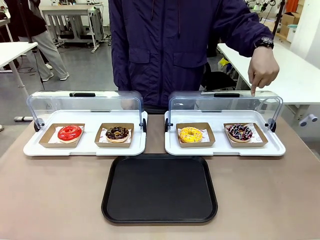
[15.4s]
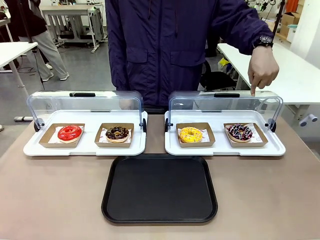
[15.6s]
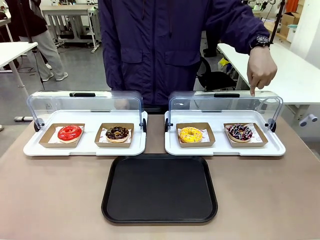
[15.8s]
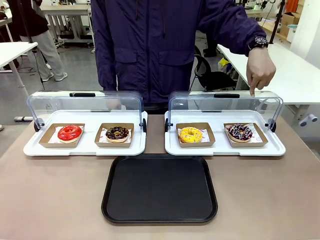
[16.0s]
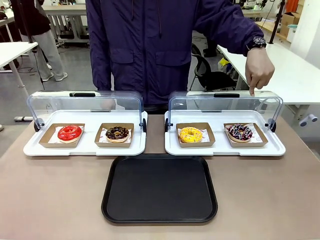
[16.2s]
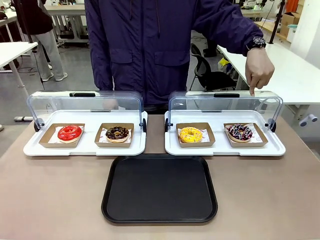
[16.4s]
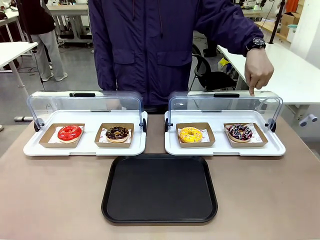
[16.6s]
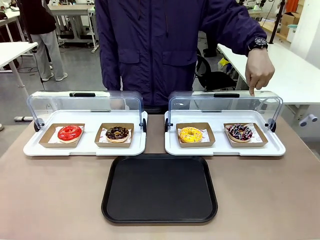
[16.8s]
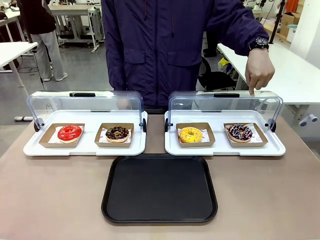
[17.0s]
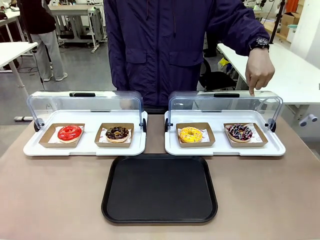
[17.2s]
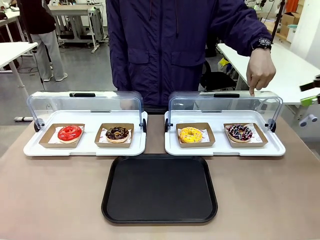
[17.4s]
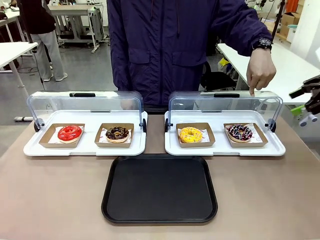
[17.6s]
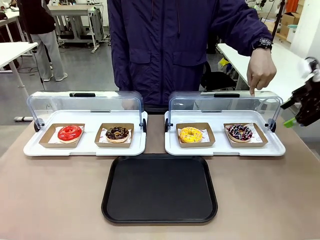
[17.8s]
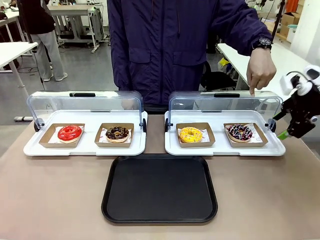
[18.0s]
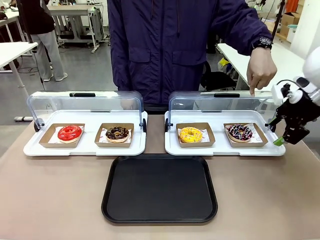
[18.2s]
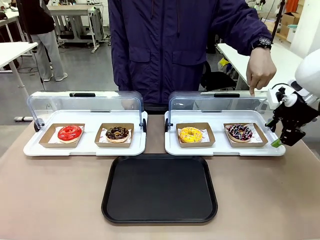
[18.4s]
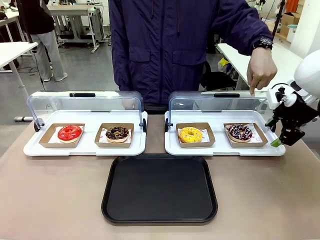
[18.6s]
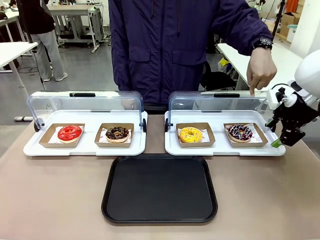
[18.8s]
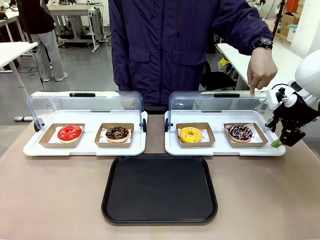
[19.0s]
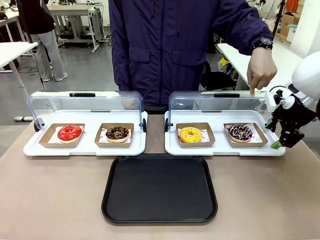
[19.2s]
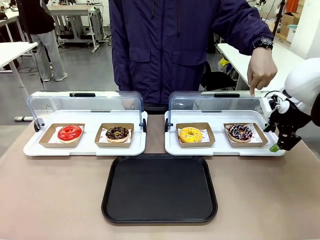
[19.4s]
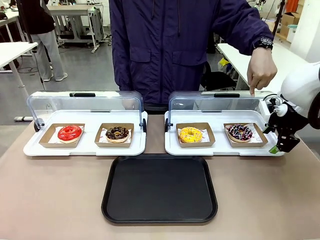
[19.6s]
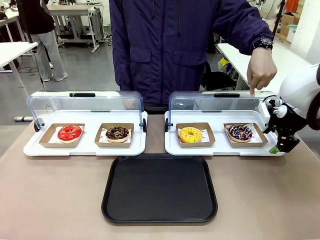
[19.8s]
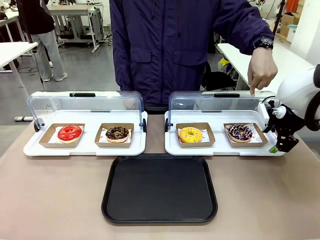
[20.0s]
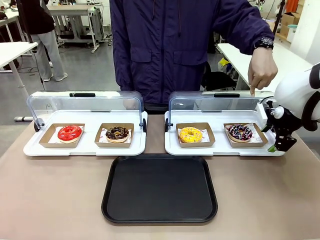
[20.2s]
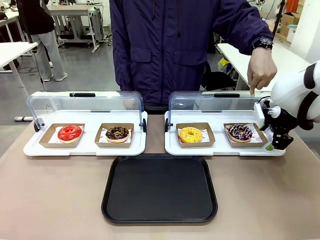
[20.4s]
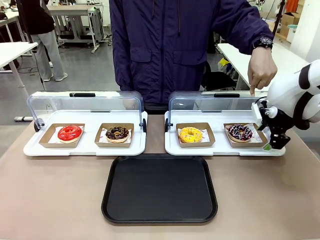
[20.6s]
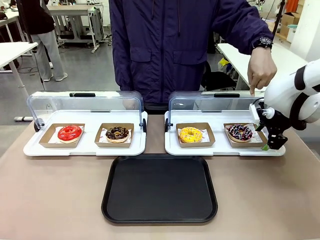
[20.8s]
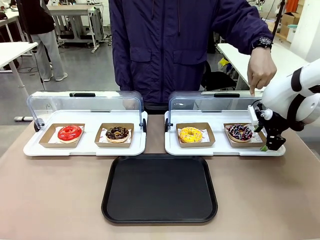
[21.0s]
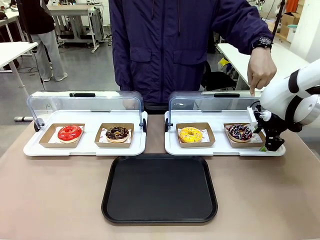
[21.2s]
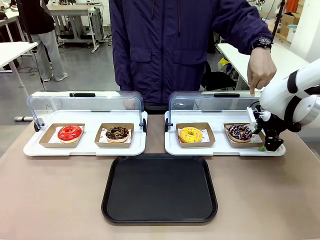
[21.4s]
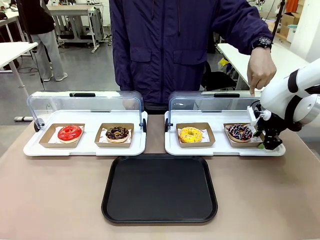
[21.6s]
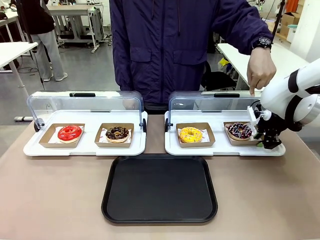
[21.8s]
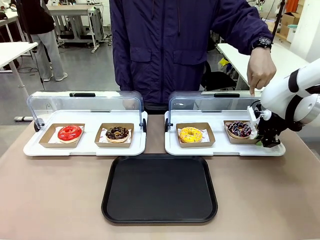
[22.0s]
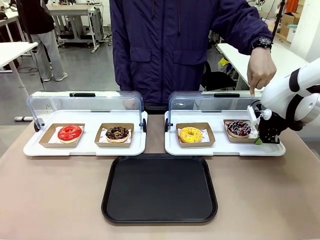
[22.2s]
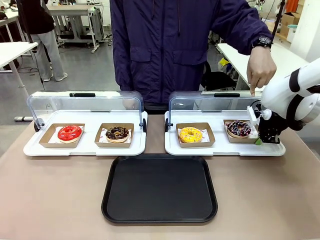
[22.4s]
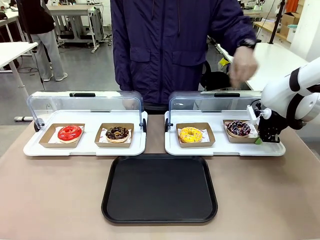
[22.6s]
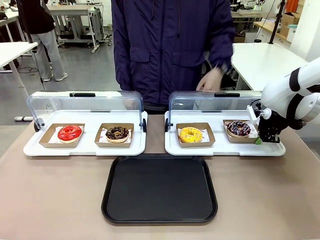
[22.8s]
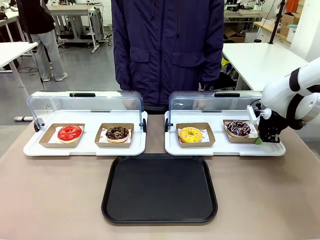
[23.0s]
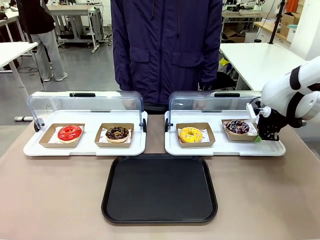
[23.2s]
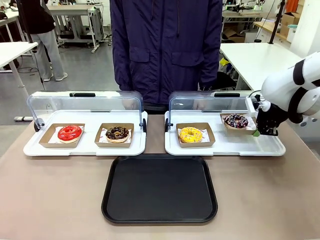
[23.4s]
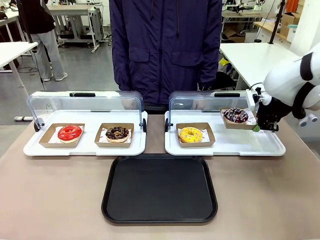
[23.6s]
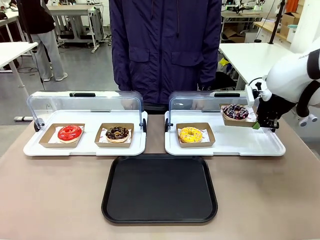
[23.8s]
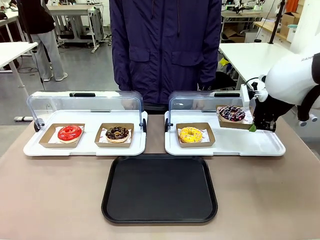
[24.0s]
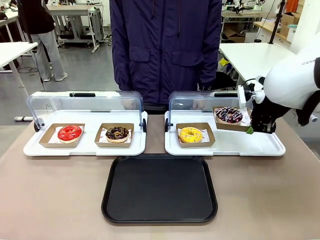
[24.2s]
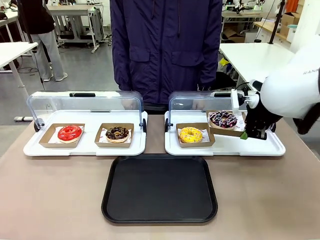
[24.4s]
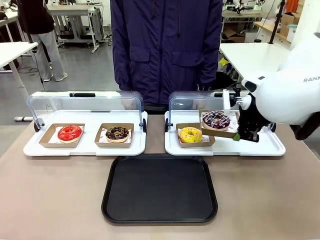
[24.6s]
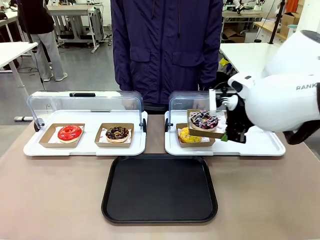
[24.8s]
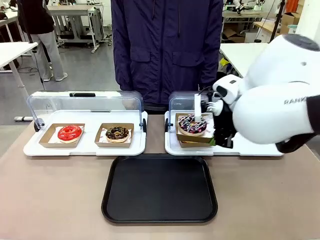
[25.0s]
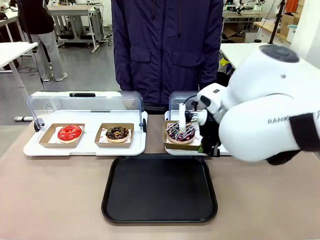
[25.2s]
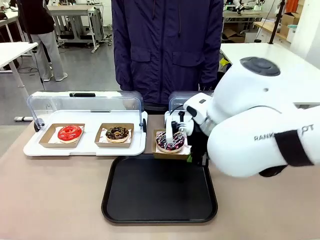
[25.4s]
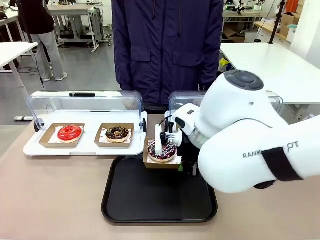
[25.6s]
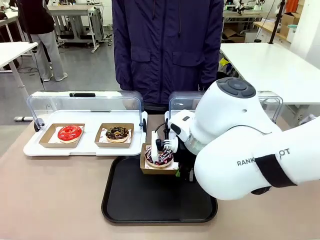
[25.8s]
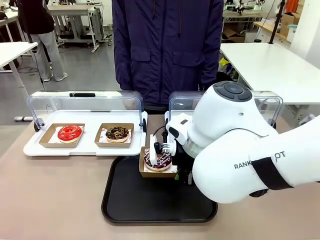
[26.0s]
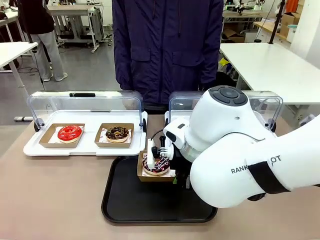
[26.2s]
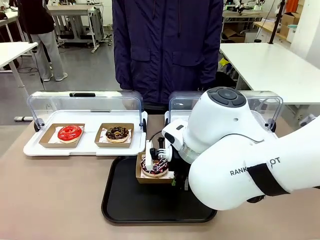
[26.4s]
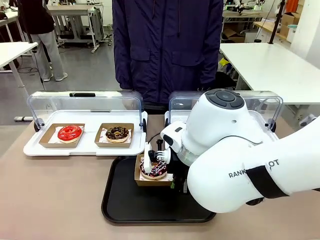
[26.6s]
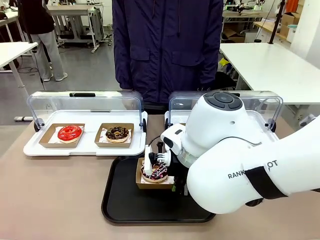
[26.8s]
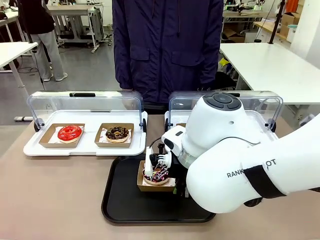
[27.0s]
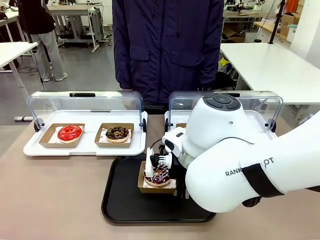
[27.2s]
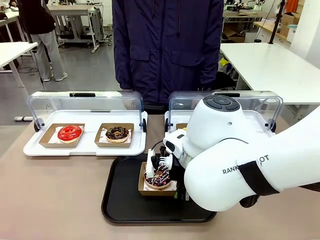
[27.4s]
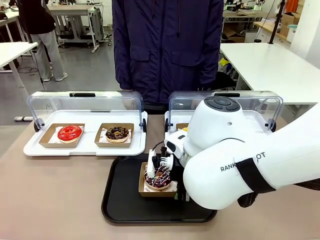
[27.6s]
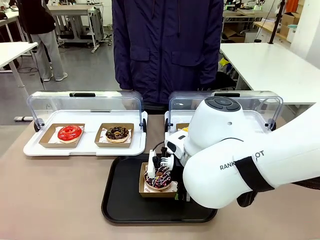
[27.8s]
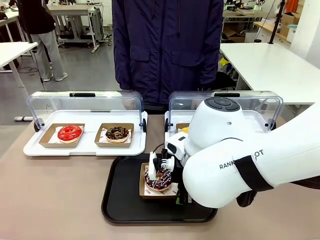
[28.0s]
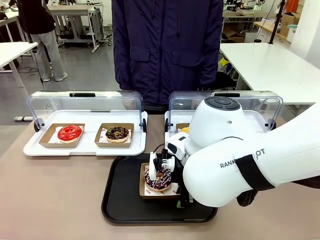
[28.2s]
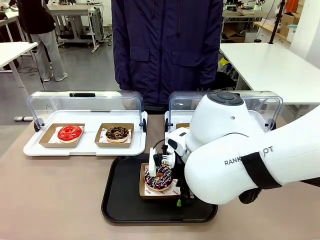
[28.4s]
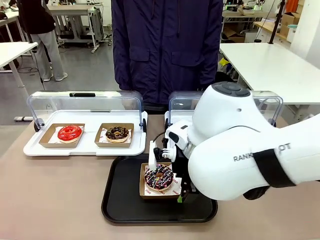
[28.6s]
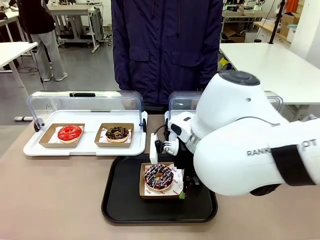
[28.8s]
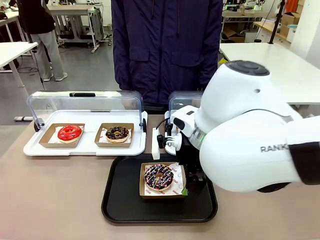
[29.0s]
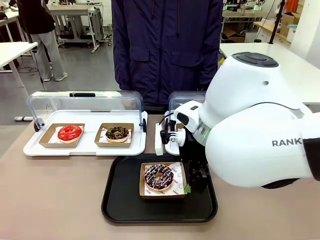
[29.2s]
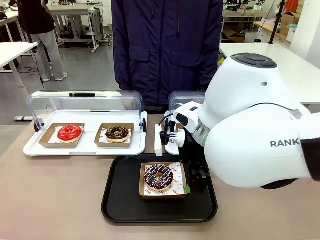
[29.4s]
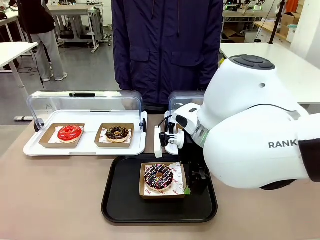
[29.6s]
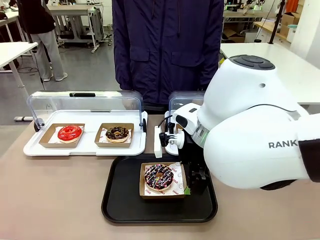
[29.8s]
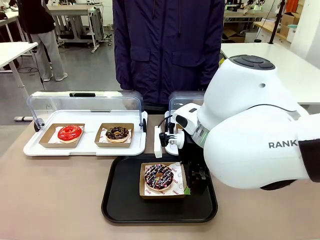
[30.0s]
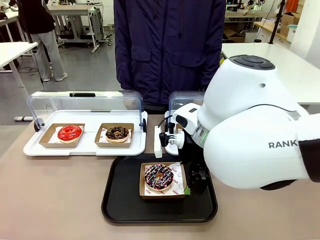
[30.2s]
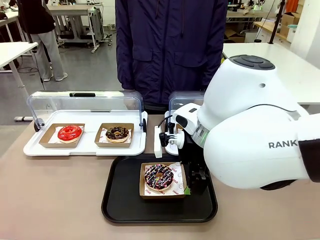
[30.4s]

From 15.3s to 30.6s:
Task: Move the fourth donut from the left to the tray.
Robot: Pick up the Paper togo box containing the Donut indicated by the person and place it on the Handle tray.
